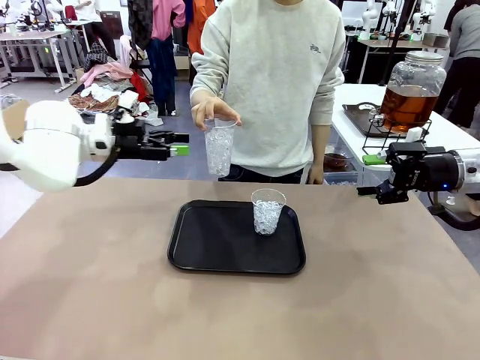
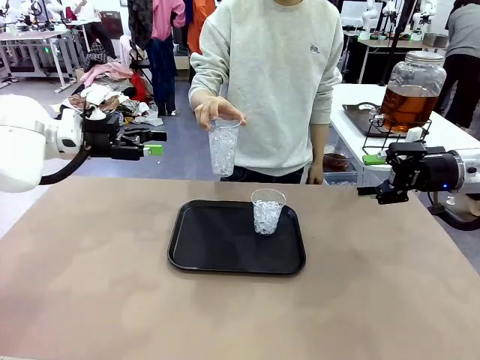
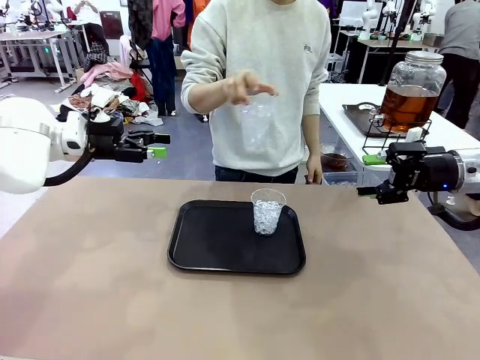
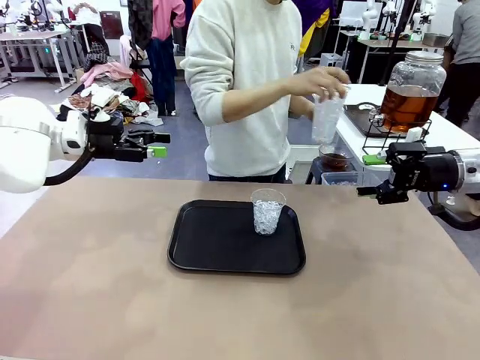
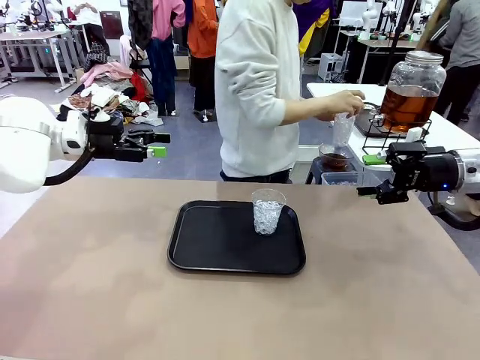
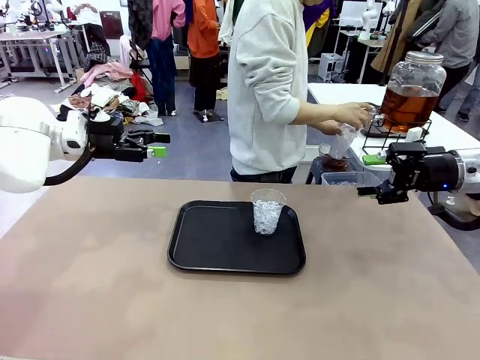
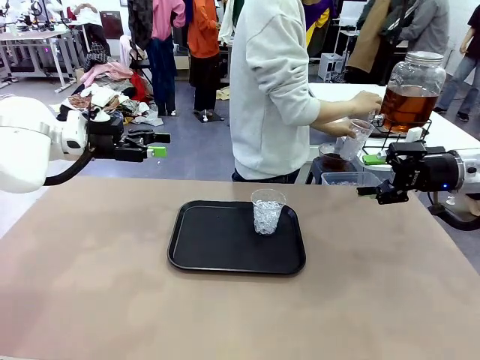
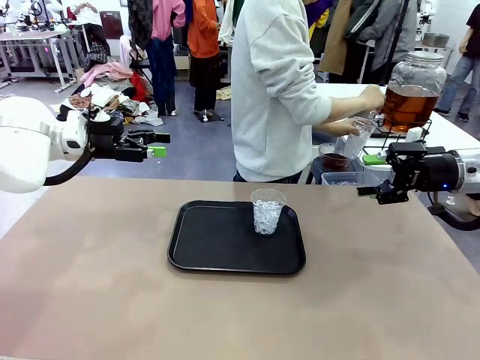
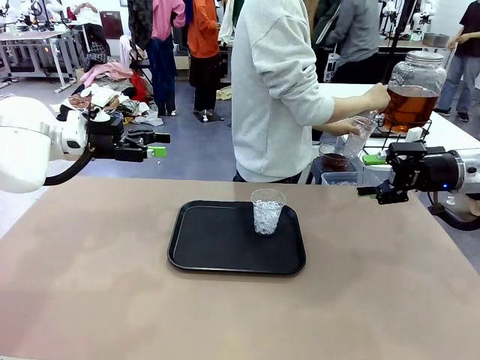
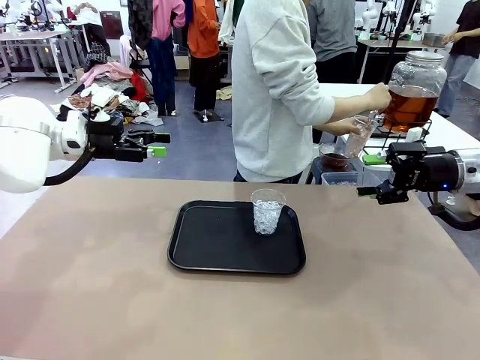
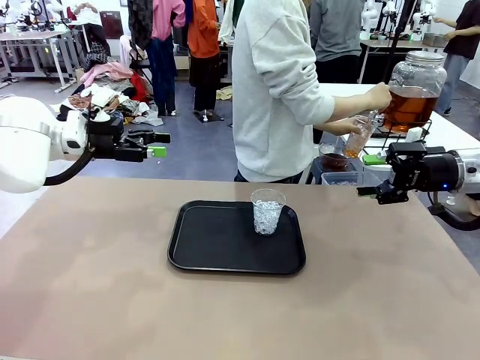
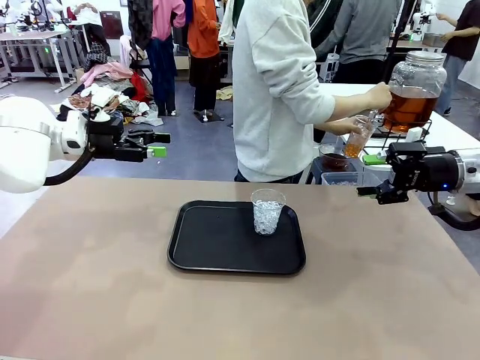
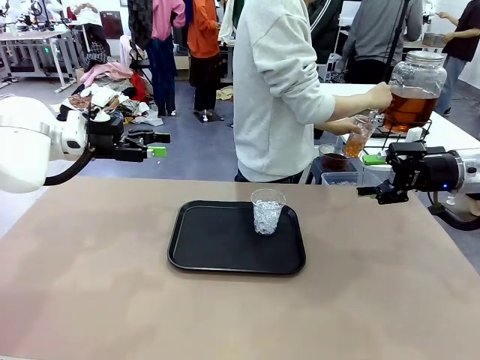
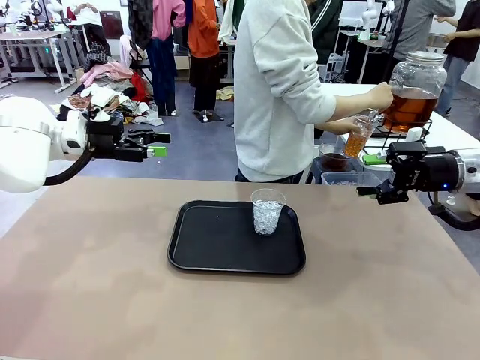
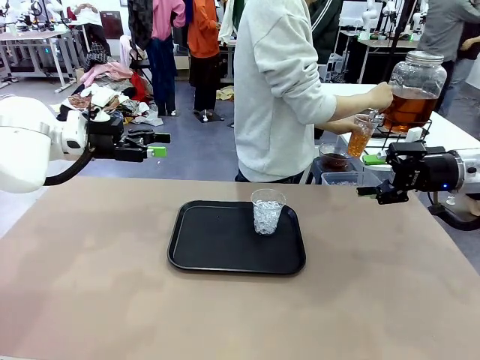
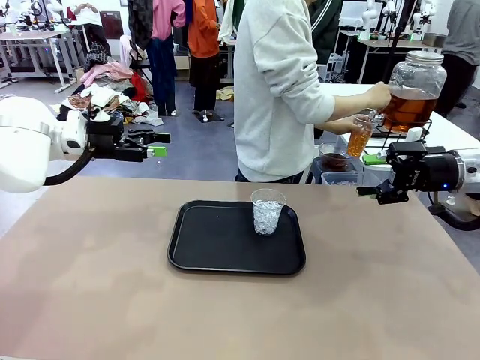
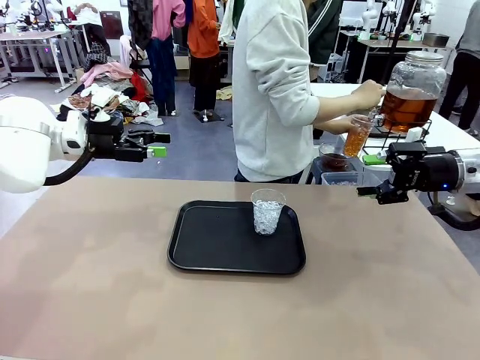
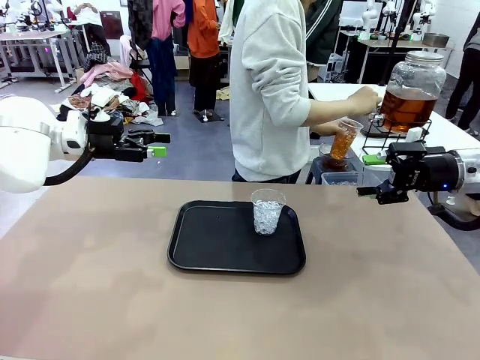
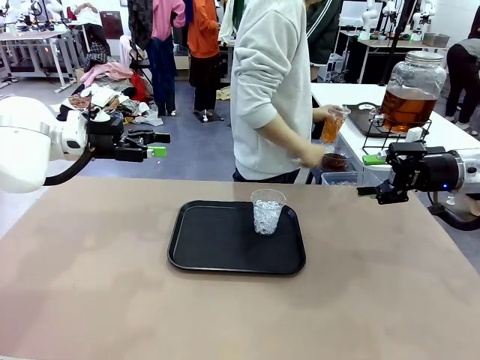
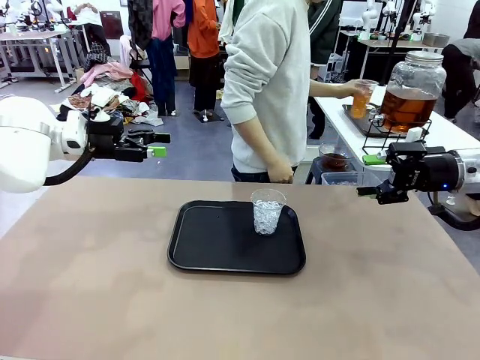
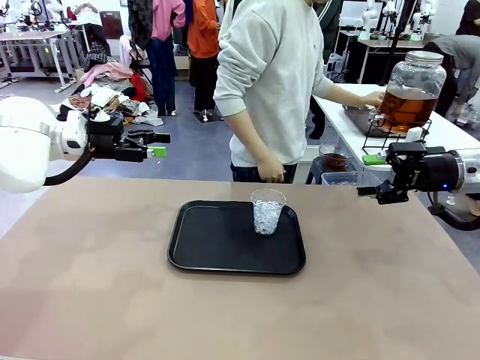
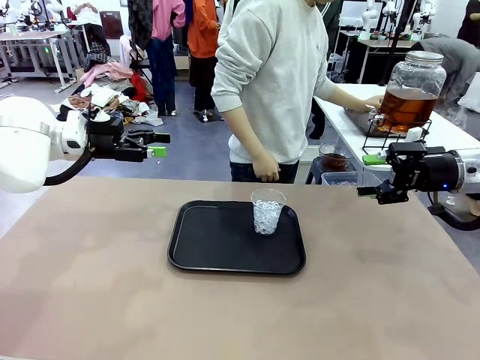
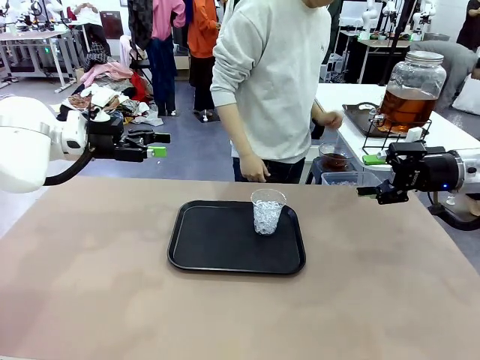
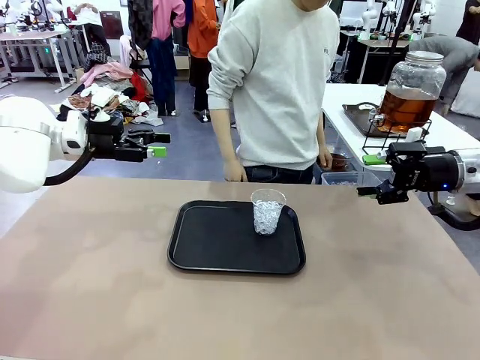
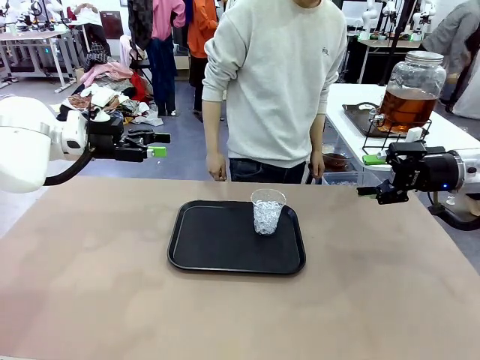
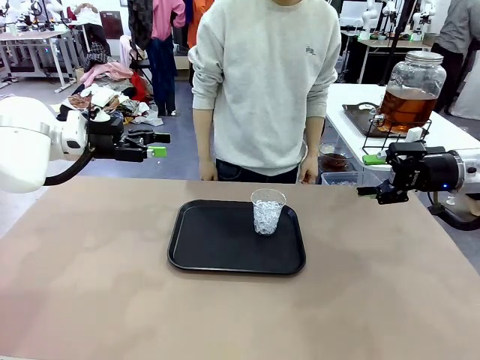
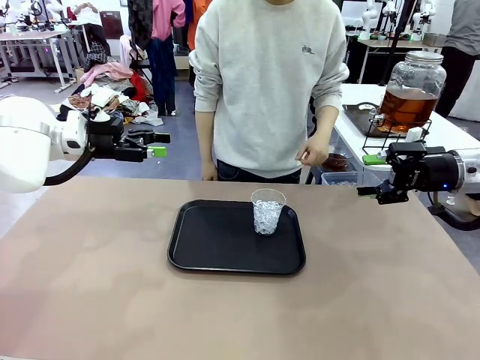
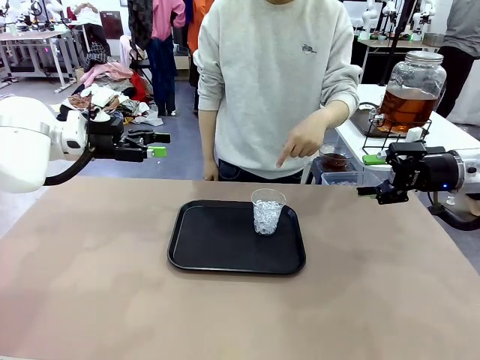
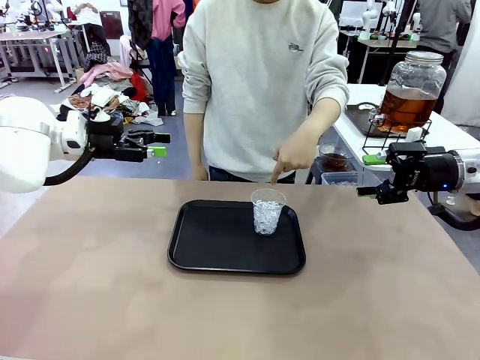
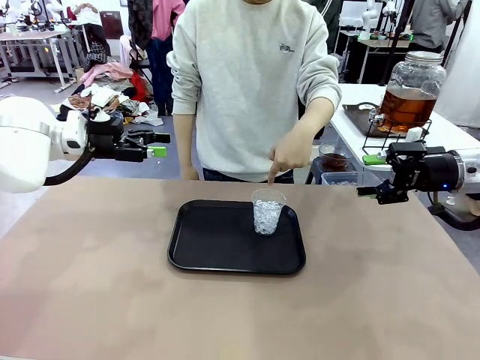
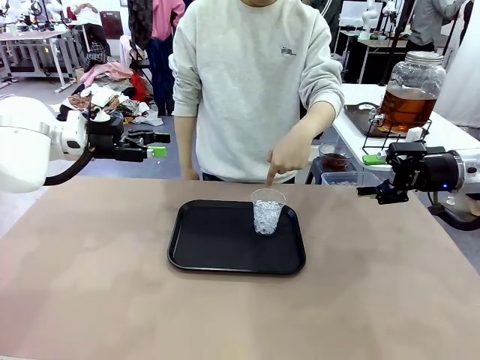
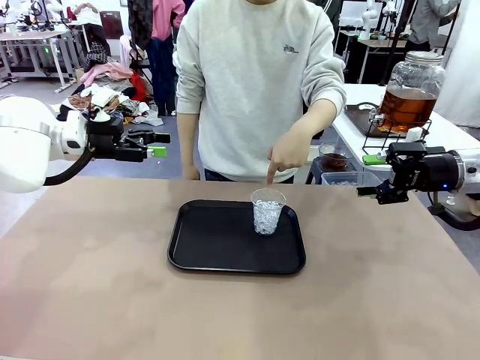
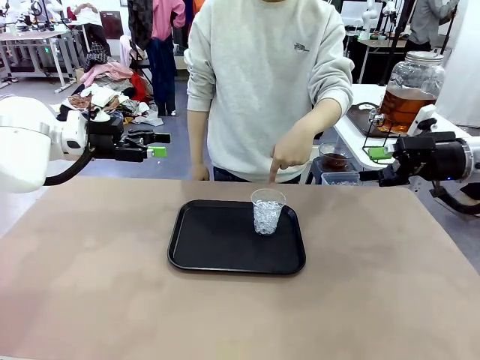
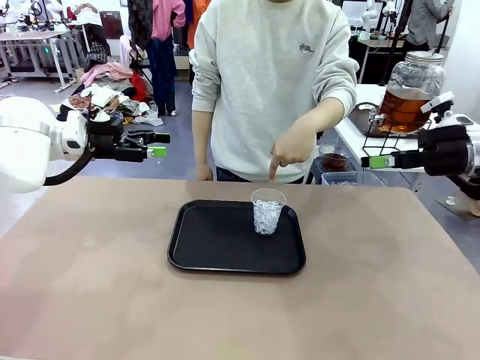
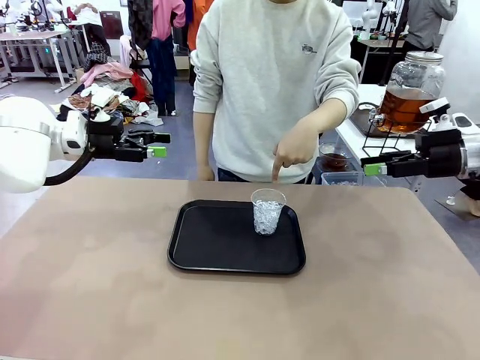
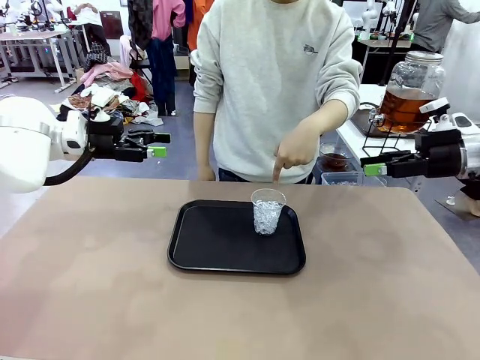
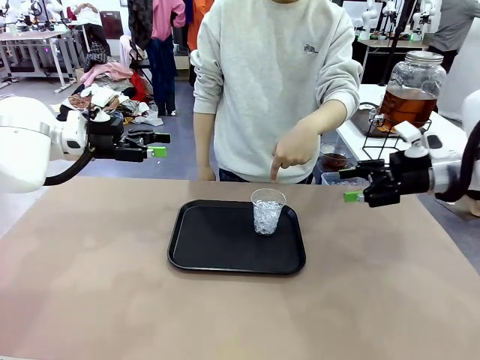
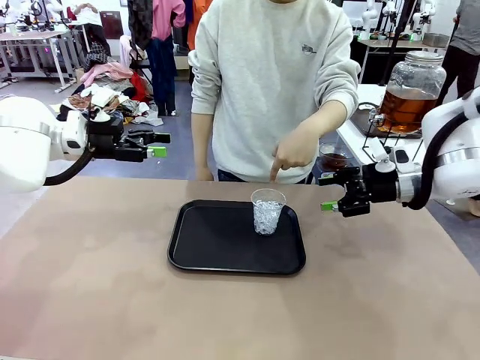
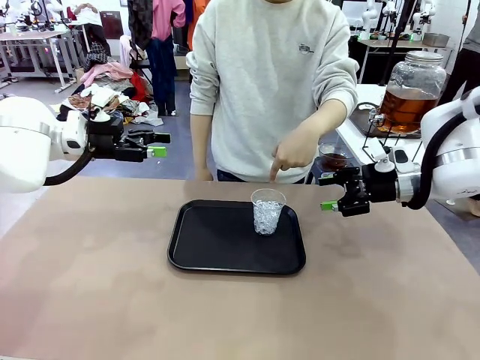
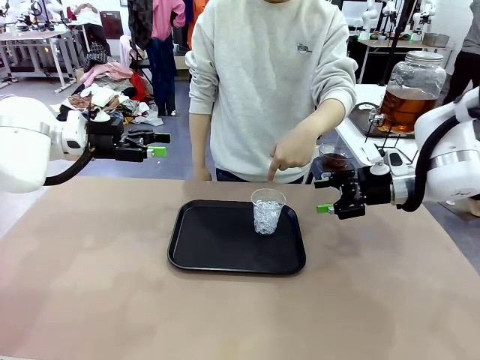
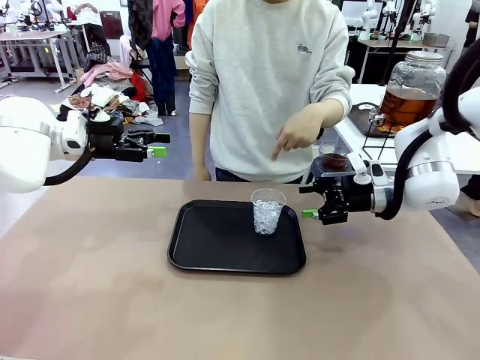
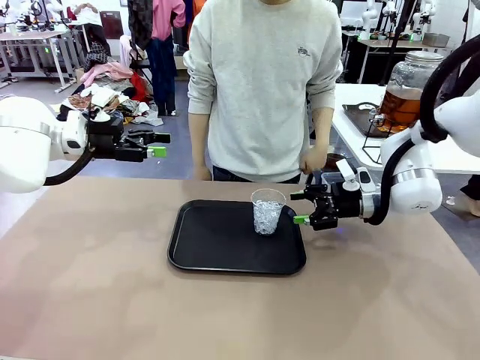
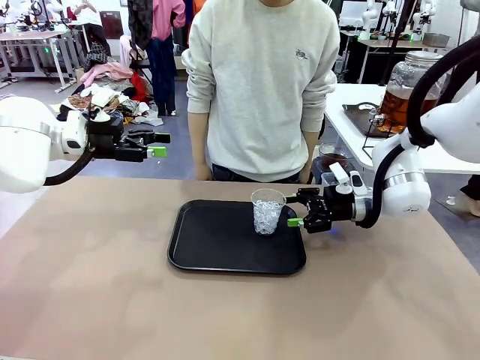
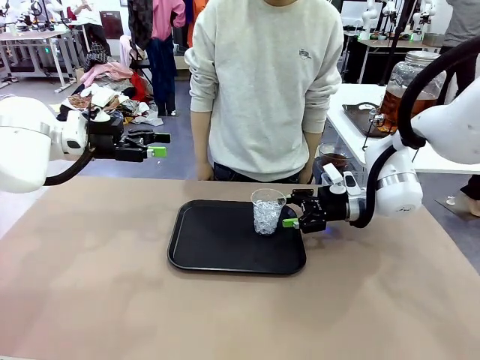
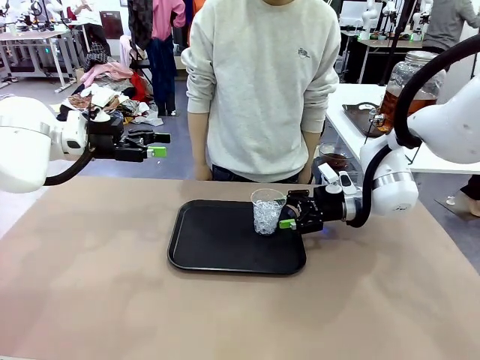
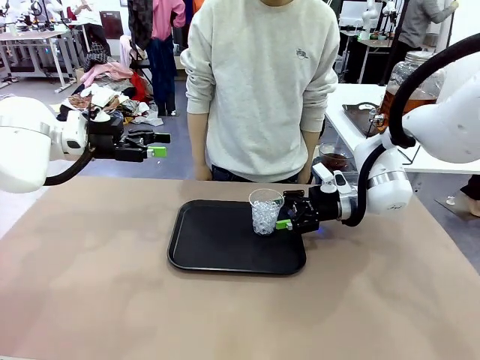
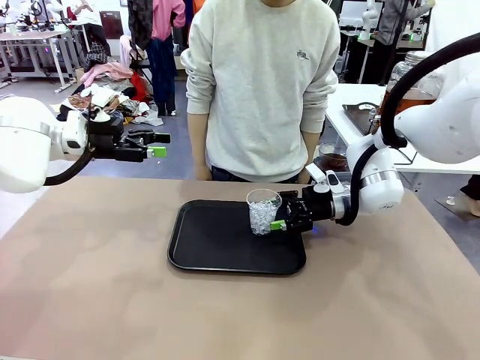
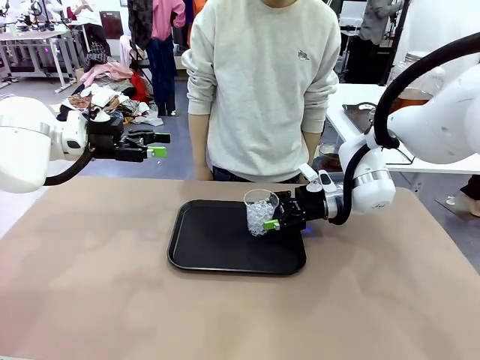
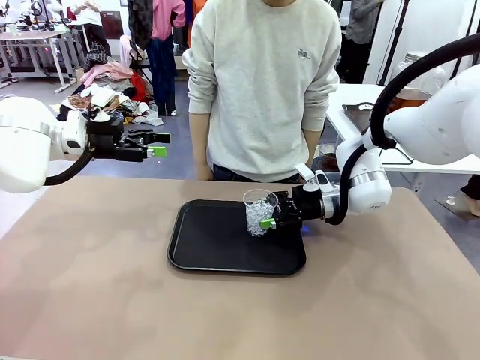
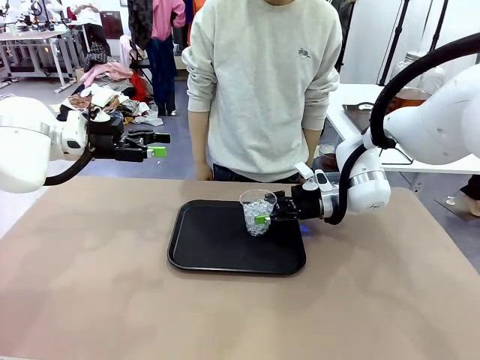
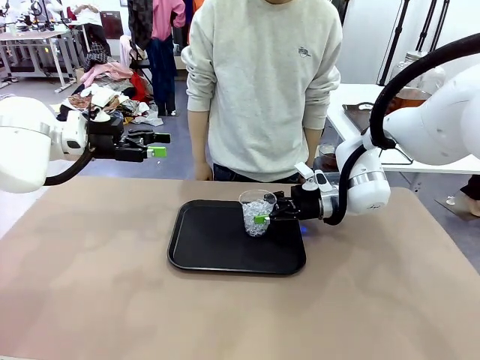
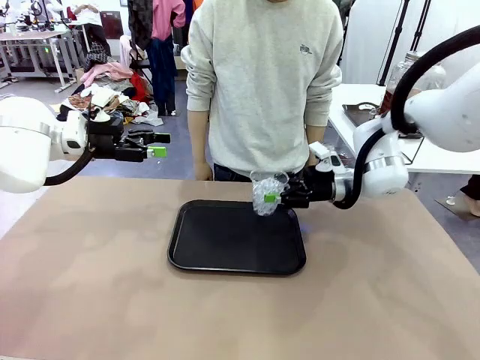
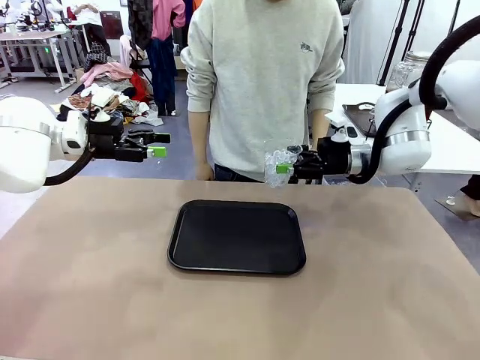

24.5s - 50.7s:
Task: Pour the drink into the iced cup.
Robot: Pick up the iced cup indicated by the human and present it to them.
Person: Move the picked-up cup under the dispenser faucet, pour the drink, and place it on the tray on the human table. Point to the remaining ice cup on the robot table. Pick up the cup offered by the robot.
